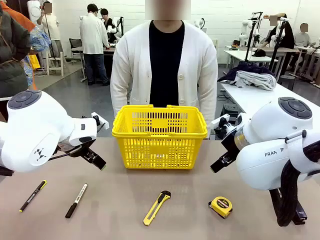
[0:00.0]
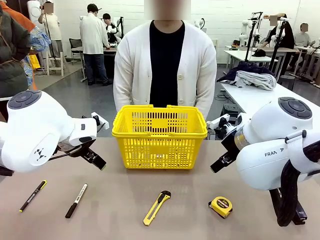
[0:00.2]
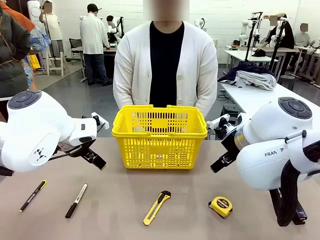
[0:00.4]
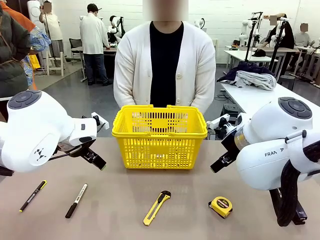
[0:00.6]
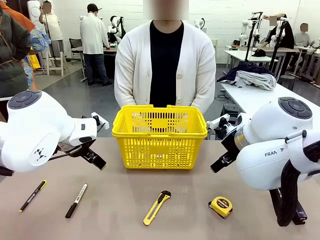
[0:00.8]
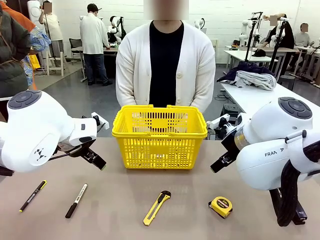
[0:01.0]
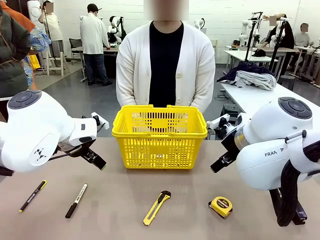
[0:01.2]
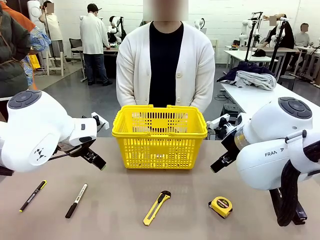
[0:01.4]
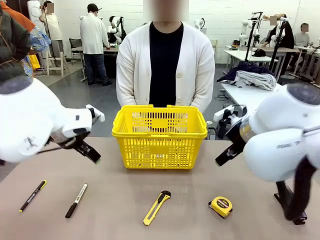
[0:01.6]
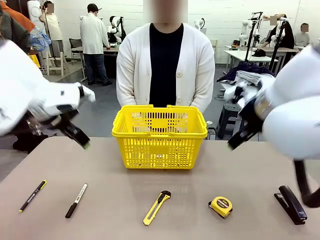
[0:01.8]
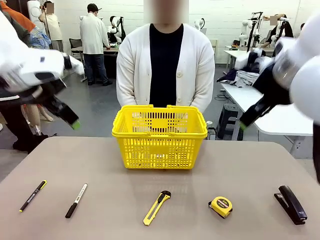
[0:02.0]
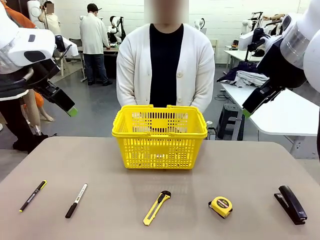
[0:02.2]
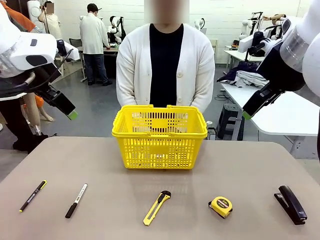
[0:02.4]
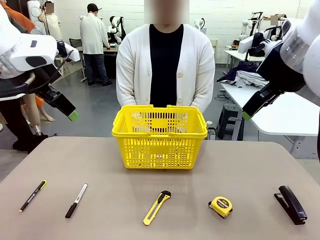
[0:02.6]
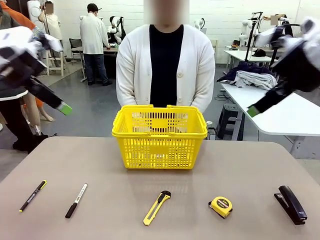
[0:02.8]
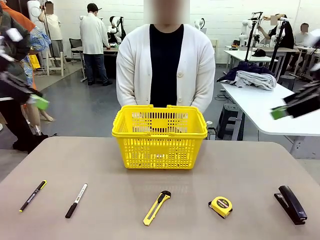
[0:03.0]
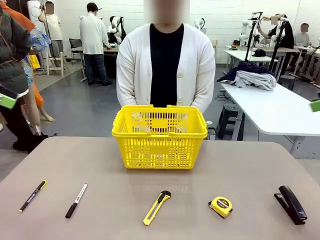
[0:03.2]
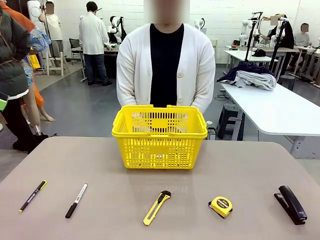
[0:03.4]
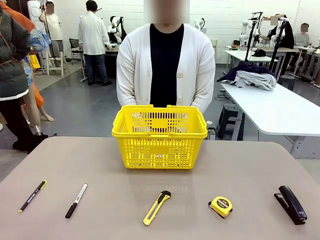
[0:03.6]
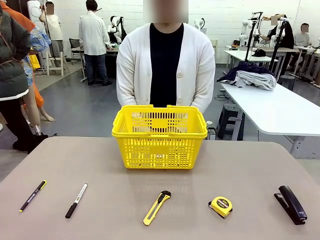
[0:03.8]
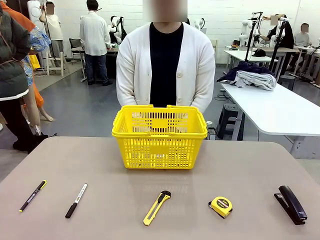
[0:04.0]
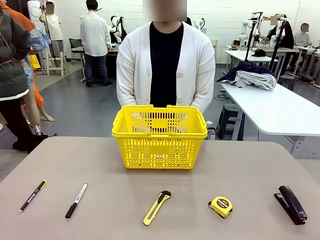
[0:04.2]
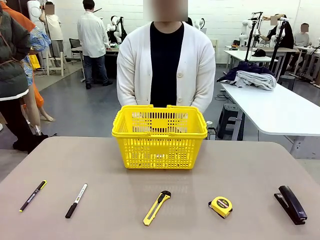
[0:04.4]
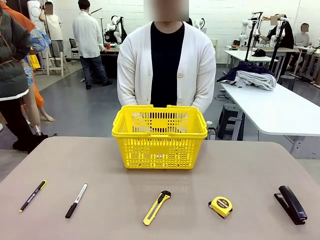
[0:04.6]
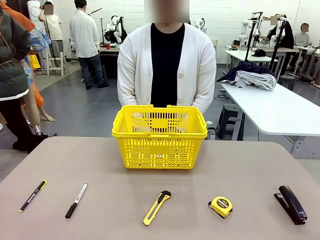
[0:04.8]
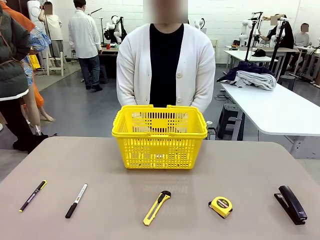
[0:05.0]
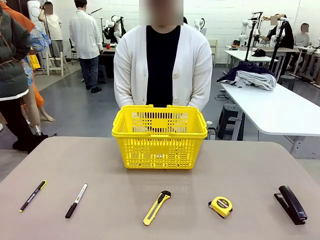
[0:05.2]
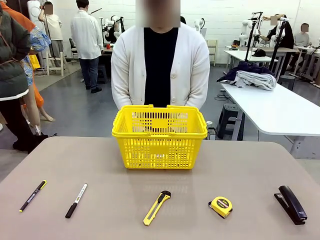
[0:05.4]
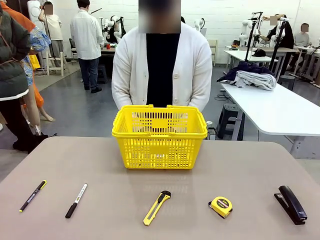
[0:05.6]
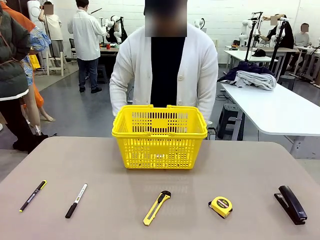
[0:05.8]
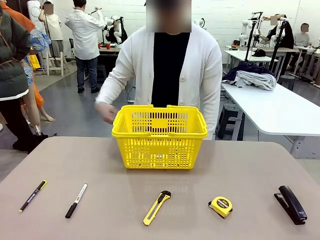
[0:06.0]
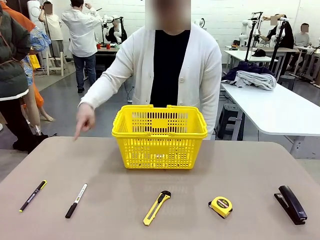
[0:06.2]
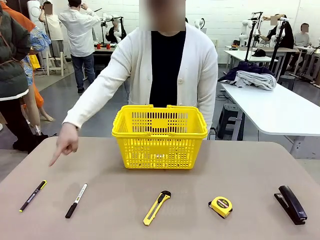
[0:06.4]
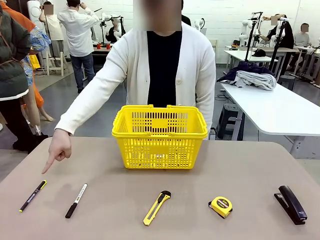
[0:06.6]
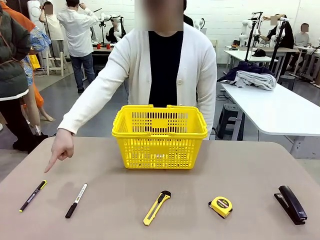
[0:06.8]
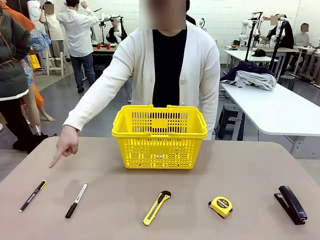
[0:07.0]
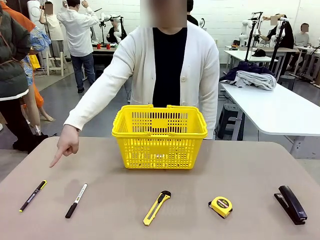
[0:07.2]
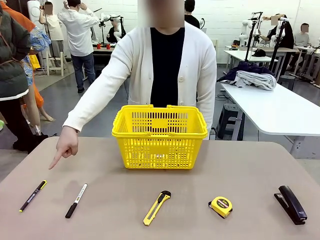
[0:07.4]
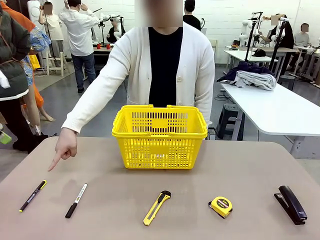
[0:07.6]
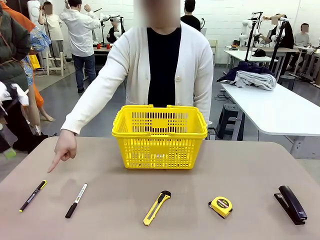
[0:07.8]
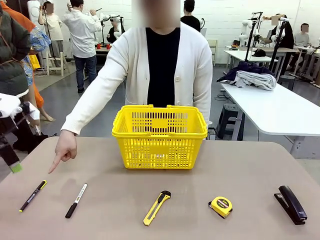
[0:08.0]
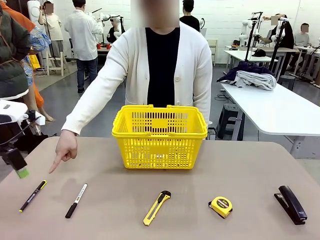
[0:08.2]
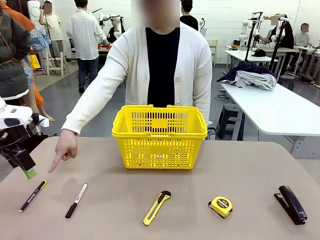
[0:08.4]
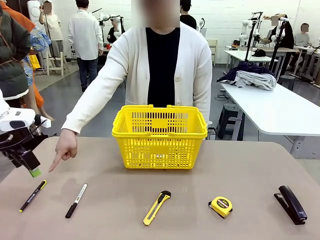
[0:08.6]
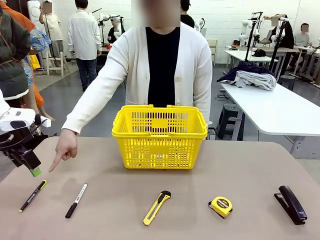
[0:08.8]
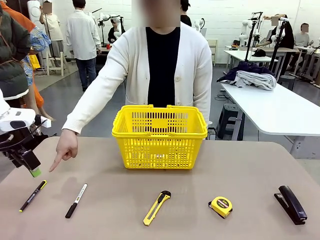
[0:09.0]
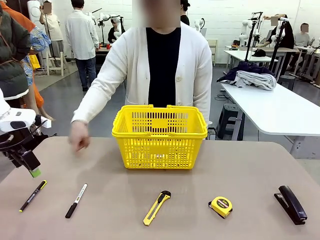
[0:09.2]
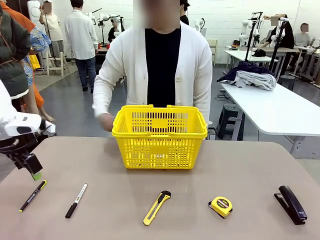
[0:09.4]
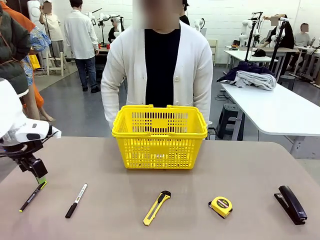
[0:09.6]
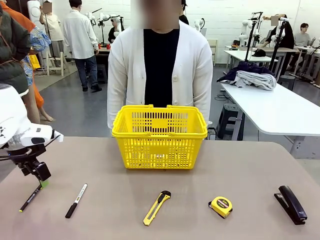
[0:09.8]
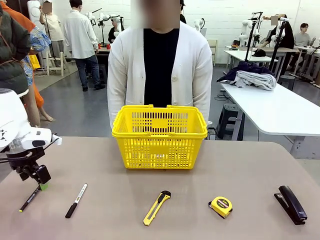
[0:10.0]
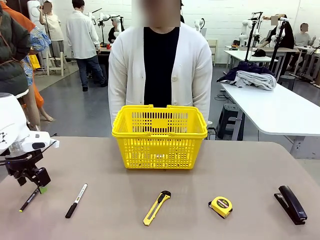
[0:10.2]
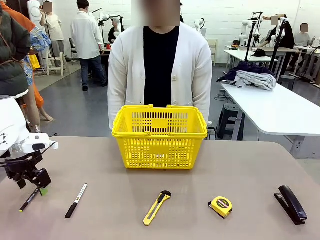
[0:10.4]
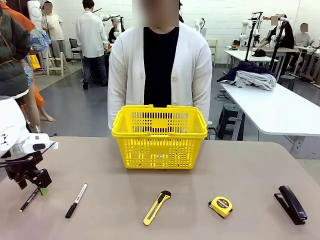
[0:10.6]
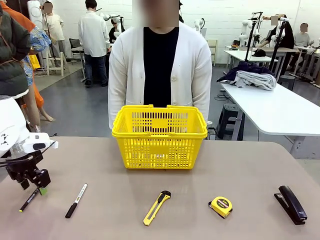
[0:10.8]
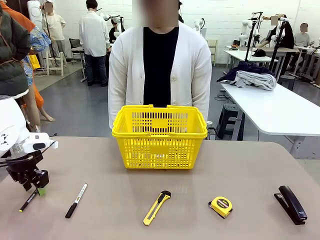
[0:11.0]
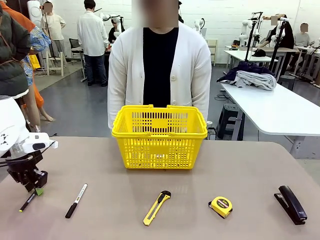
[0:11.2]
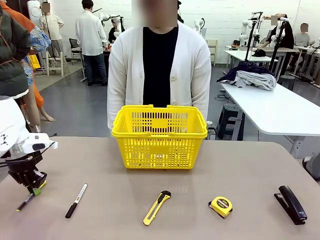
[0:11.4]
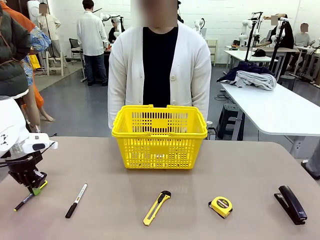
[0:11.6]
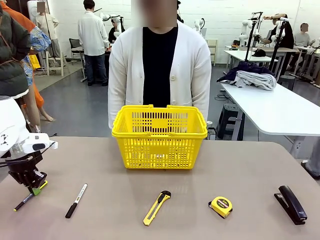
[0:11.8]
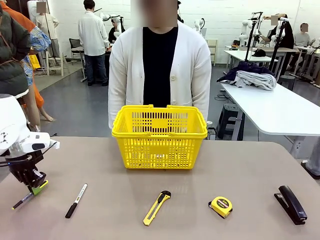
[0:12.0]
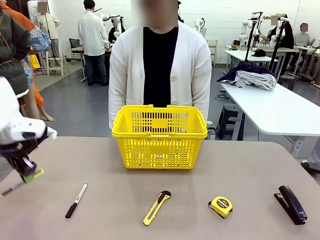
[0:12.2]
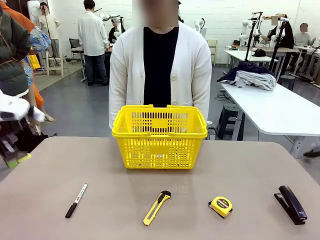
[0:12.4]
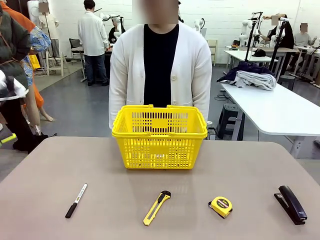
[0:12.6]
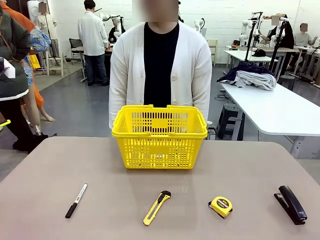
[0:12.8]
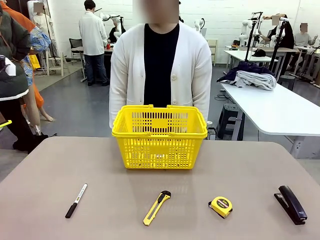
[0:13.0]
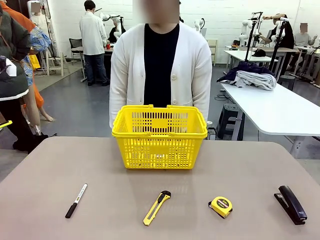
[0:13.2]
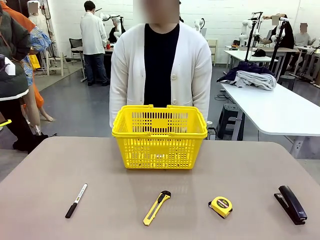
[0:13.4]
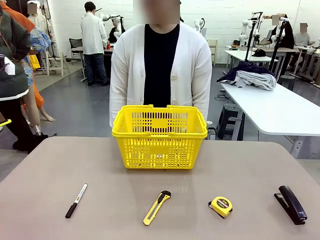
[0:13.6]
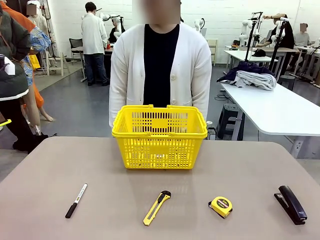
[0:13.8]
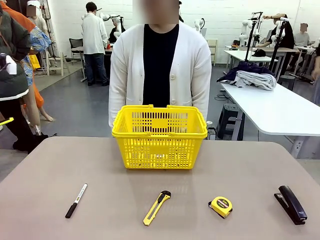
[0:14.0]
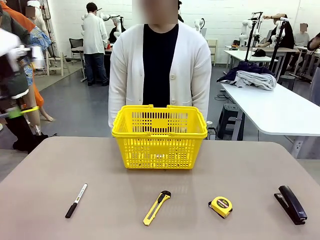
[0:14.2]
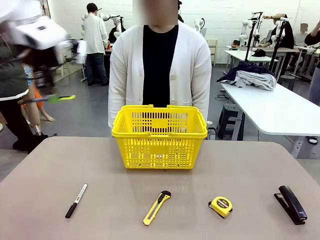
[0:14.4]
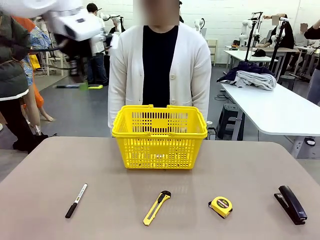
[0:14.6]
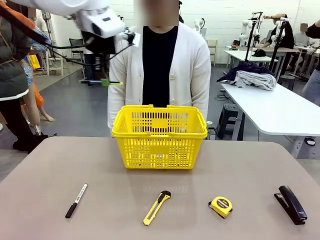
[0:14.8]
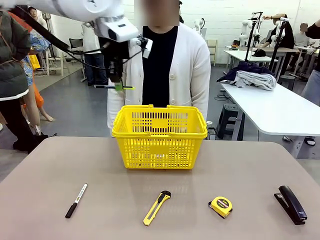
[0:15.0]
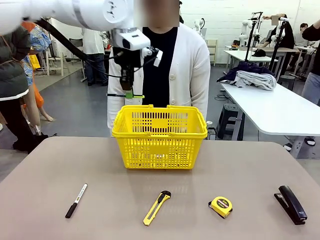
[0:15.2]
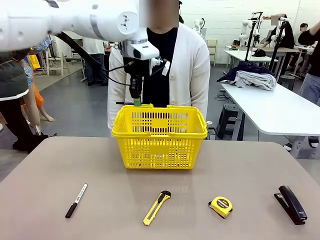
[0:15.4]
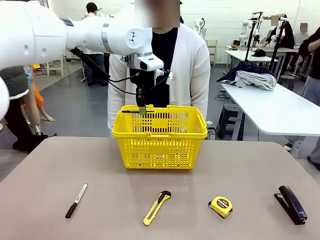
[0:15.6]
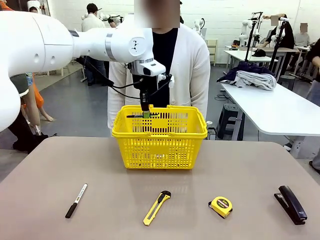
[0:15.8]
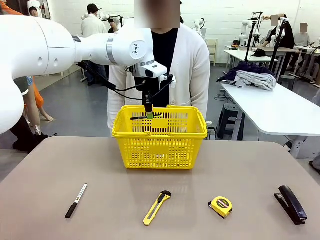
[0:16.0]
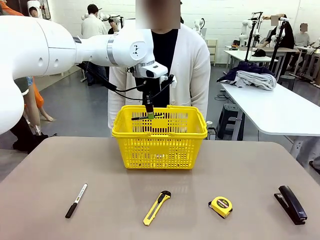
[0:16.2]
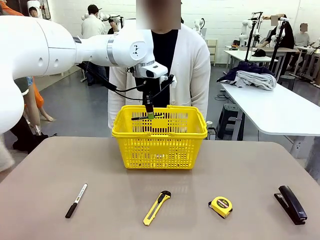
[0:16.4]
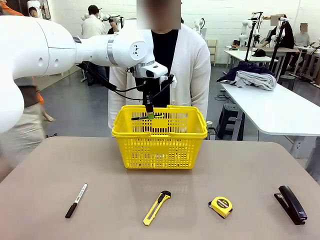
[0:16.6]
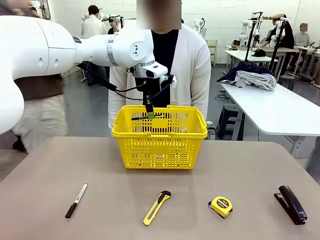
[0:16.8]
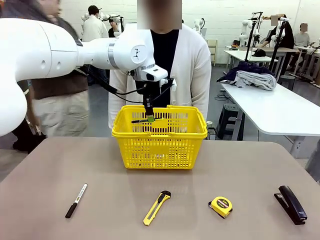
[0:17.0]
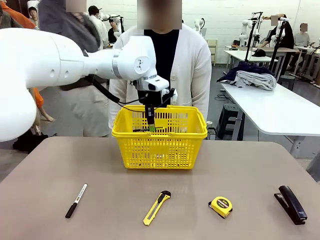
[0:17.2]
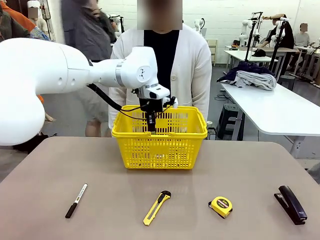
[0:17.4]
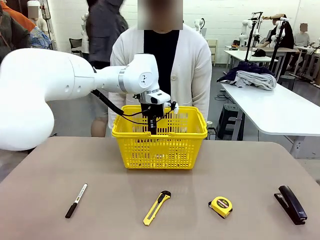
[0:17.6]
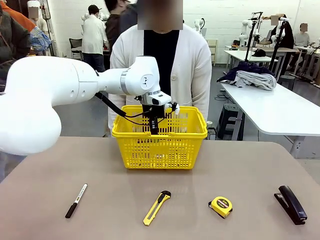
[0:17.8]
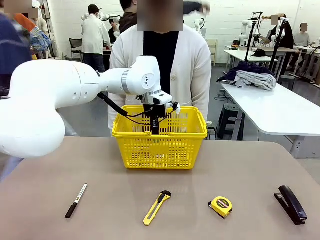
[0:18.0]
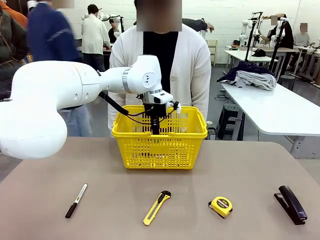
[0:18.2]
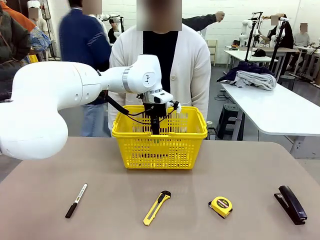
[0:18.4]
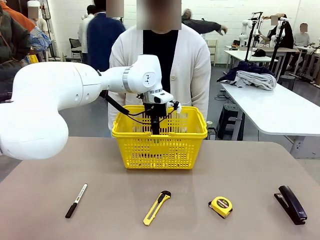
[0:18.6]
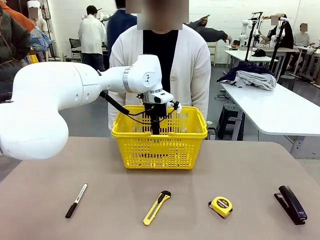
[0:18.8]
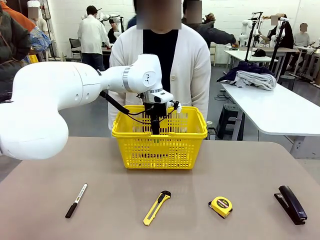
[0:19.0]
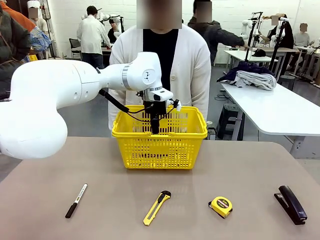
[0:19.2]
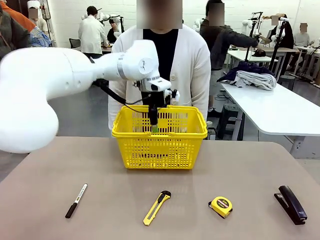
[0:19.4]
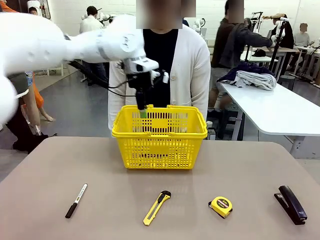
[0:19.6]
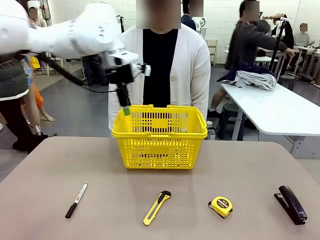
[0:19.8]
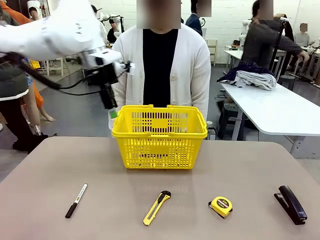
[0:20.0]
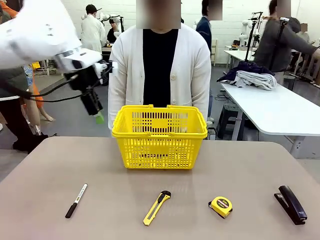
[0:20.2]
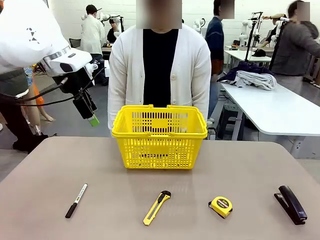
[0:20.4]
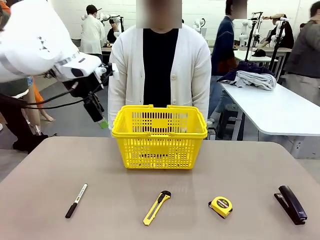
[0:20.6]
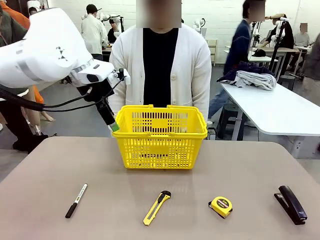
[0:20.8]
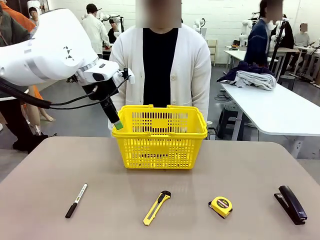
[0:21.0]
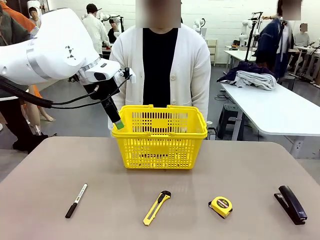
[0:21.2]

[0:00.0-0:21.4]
Task: Place the items the person wants into the basket.
Robot: Pick up the item the person points to and place it in the Market Basket.
